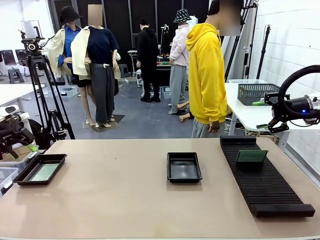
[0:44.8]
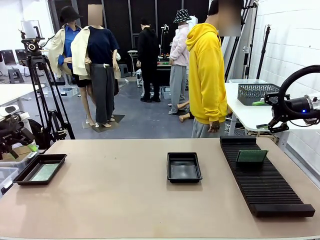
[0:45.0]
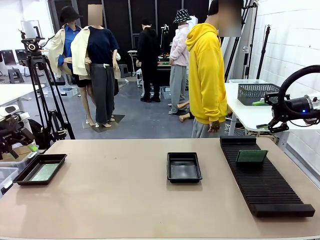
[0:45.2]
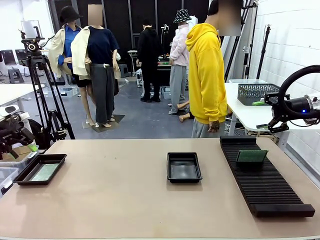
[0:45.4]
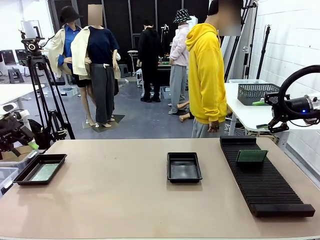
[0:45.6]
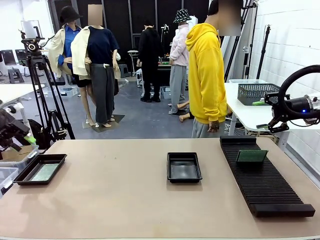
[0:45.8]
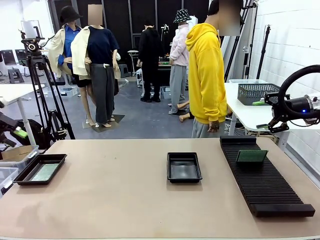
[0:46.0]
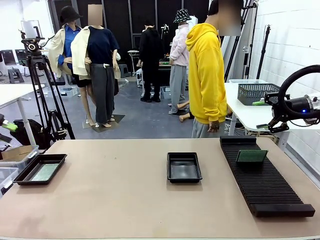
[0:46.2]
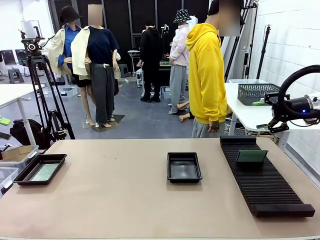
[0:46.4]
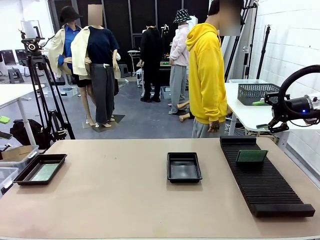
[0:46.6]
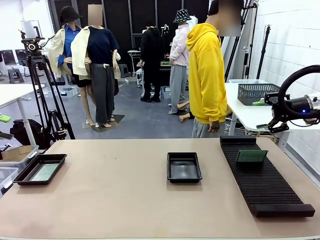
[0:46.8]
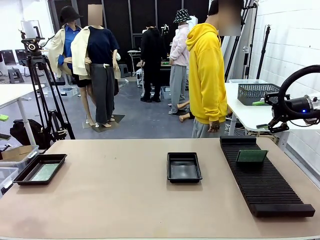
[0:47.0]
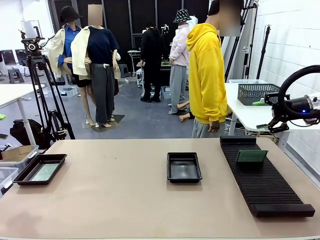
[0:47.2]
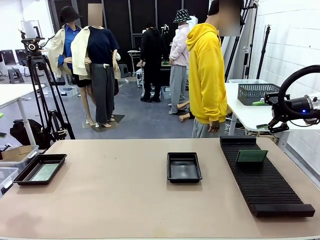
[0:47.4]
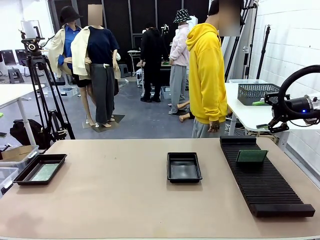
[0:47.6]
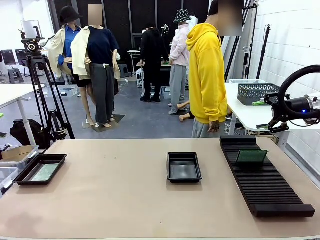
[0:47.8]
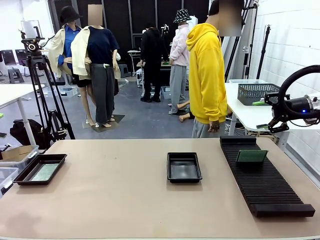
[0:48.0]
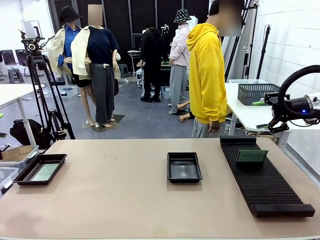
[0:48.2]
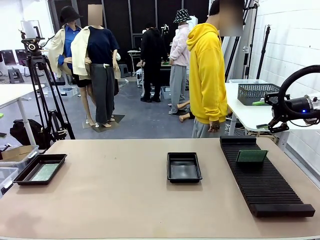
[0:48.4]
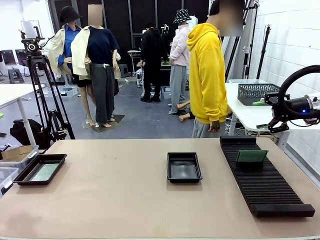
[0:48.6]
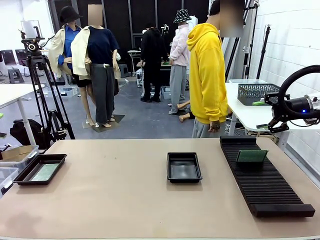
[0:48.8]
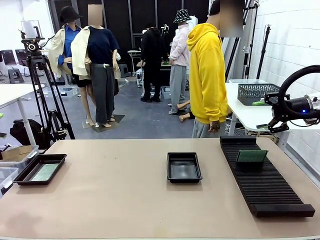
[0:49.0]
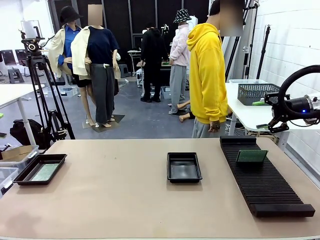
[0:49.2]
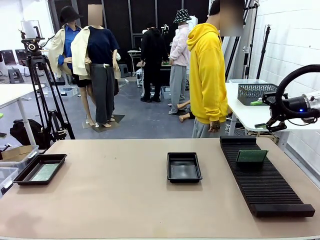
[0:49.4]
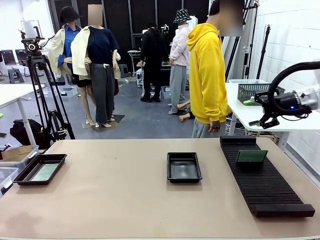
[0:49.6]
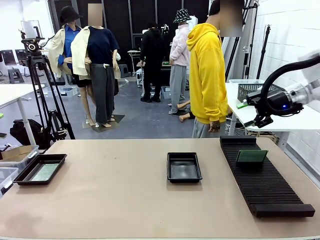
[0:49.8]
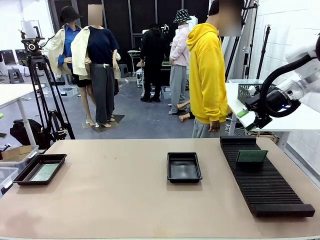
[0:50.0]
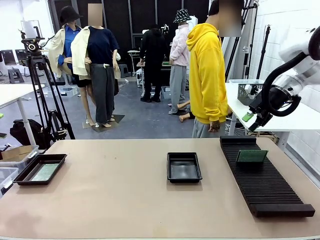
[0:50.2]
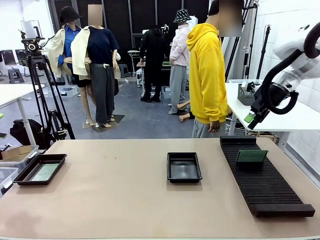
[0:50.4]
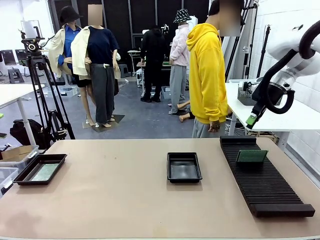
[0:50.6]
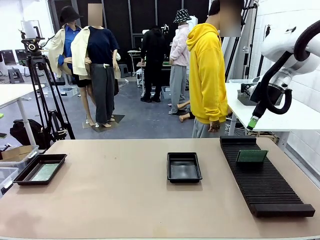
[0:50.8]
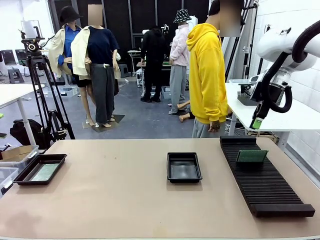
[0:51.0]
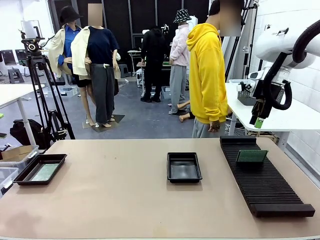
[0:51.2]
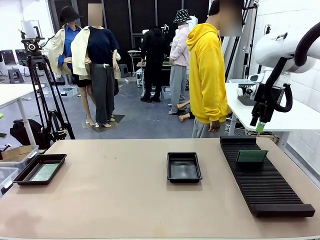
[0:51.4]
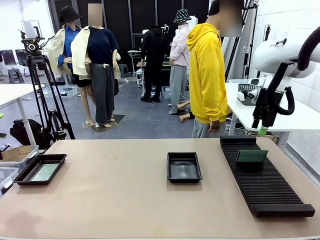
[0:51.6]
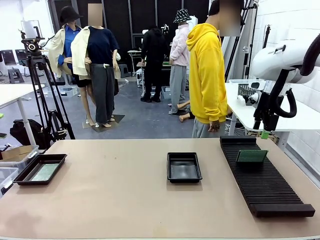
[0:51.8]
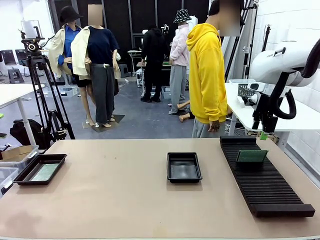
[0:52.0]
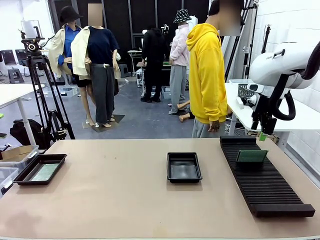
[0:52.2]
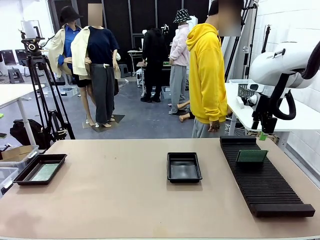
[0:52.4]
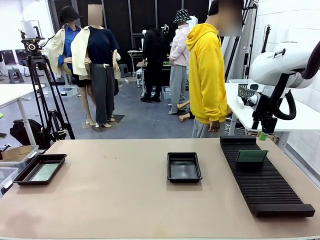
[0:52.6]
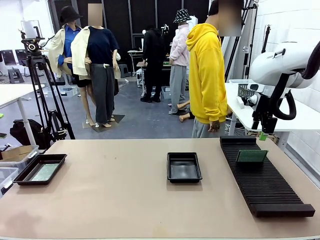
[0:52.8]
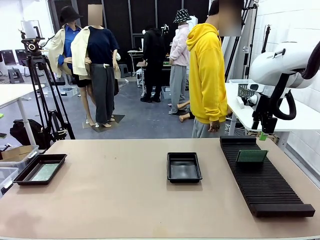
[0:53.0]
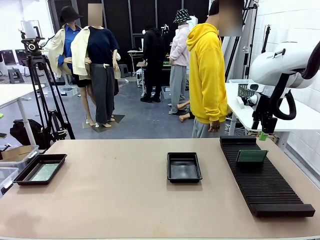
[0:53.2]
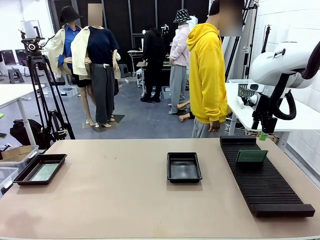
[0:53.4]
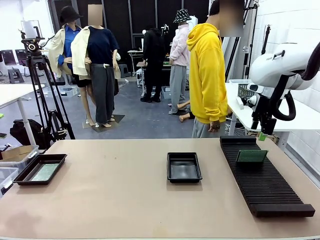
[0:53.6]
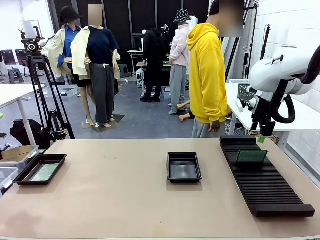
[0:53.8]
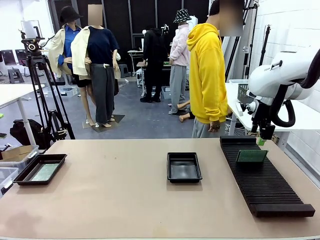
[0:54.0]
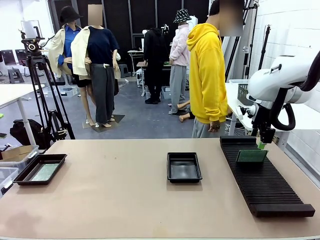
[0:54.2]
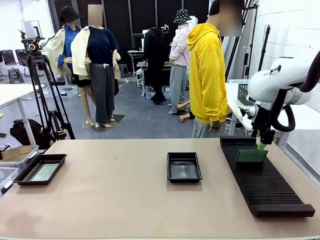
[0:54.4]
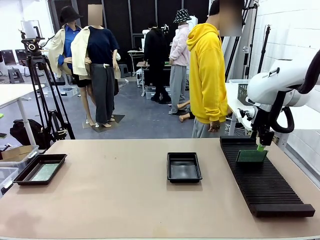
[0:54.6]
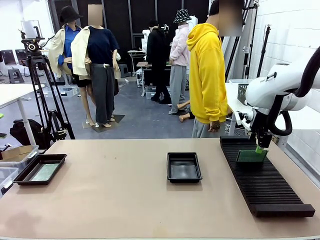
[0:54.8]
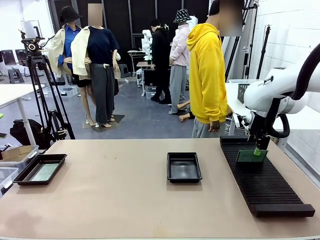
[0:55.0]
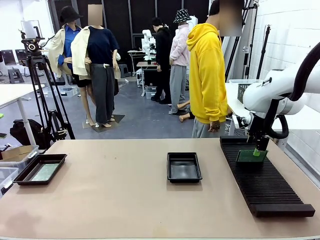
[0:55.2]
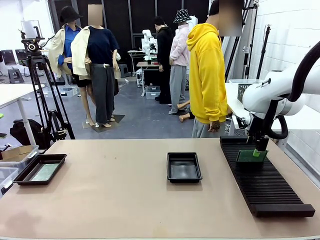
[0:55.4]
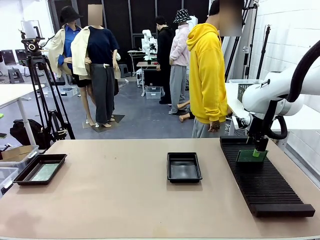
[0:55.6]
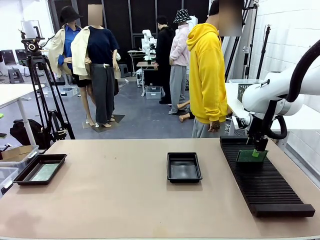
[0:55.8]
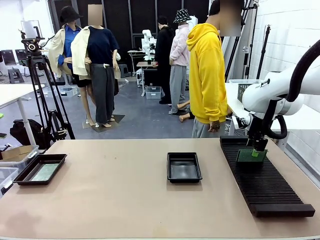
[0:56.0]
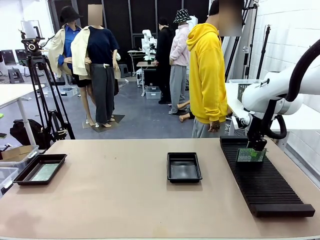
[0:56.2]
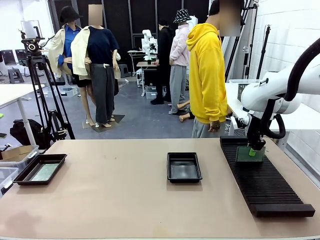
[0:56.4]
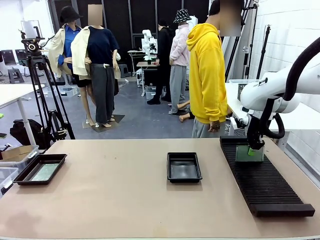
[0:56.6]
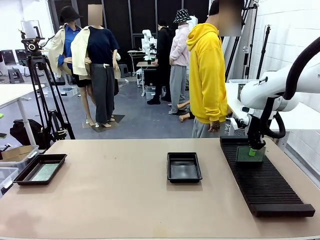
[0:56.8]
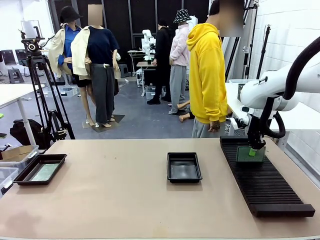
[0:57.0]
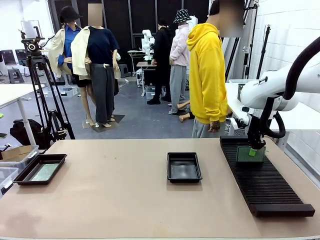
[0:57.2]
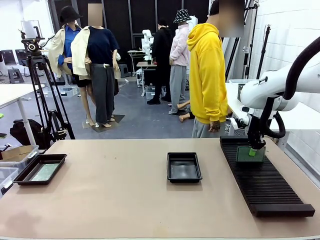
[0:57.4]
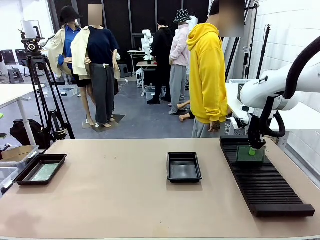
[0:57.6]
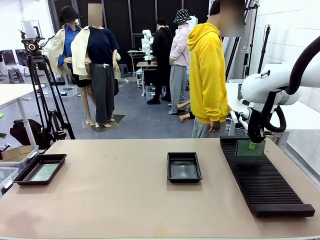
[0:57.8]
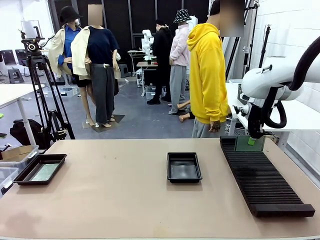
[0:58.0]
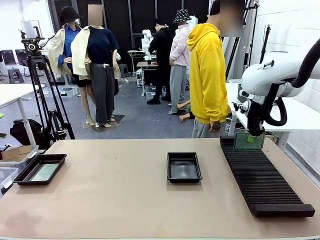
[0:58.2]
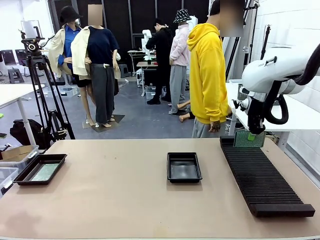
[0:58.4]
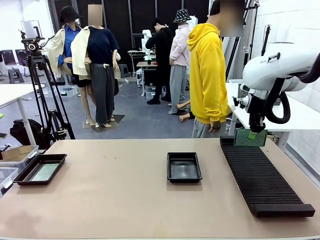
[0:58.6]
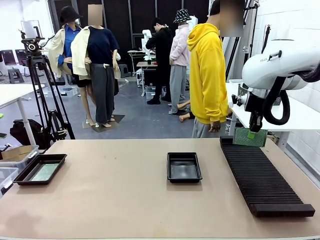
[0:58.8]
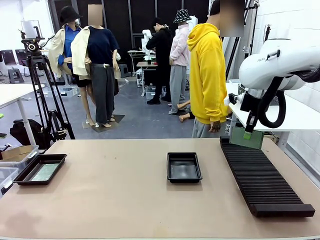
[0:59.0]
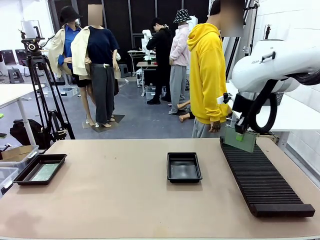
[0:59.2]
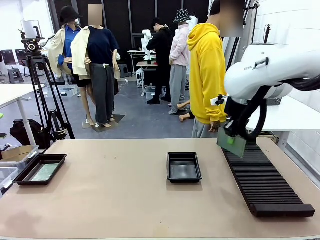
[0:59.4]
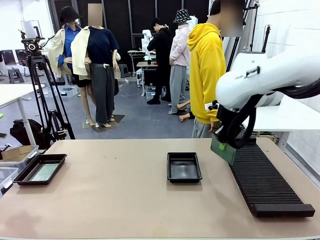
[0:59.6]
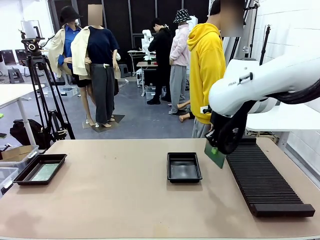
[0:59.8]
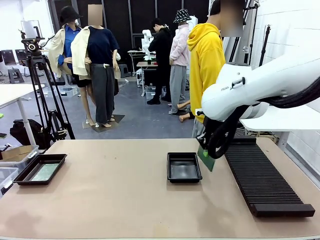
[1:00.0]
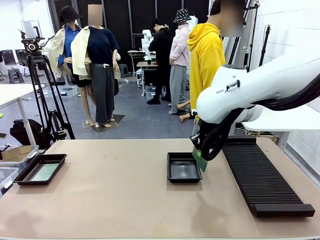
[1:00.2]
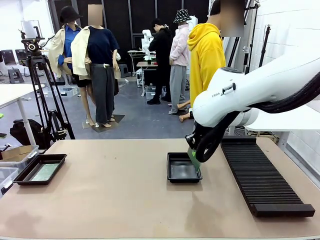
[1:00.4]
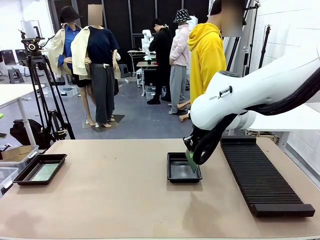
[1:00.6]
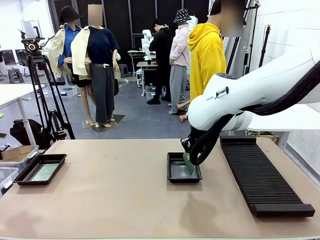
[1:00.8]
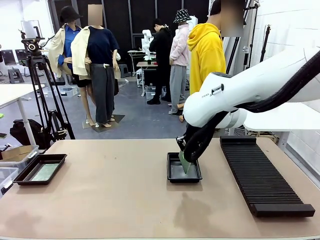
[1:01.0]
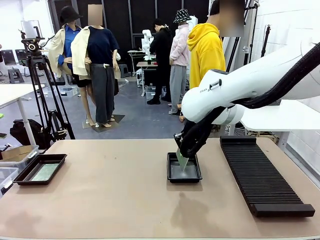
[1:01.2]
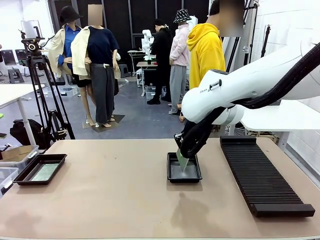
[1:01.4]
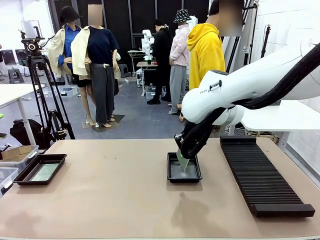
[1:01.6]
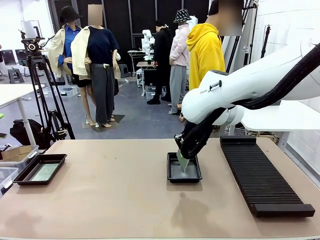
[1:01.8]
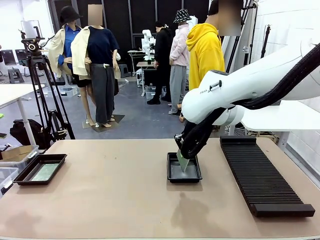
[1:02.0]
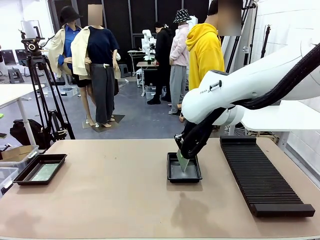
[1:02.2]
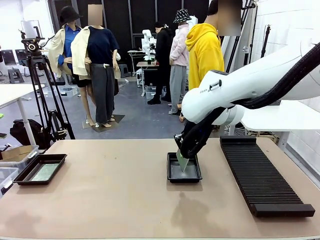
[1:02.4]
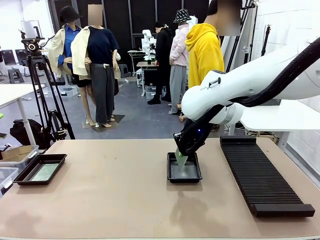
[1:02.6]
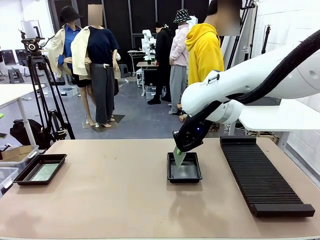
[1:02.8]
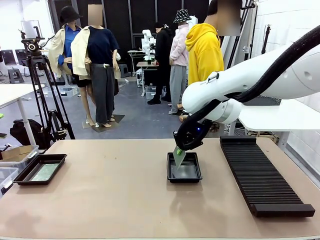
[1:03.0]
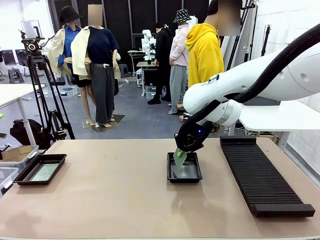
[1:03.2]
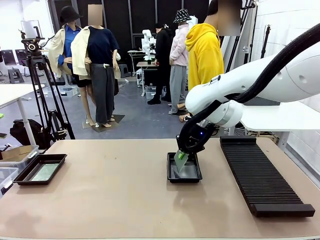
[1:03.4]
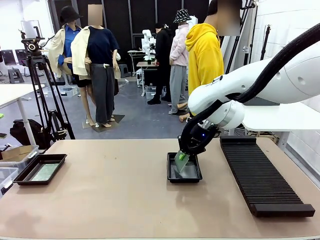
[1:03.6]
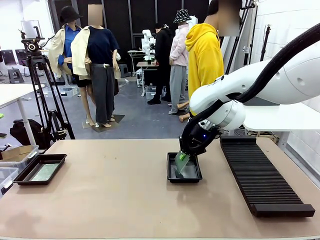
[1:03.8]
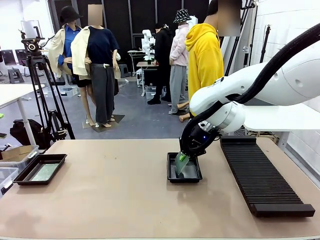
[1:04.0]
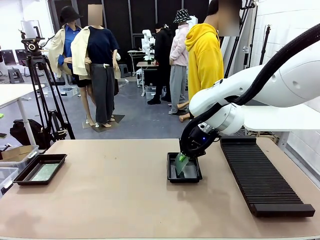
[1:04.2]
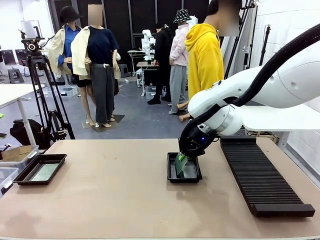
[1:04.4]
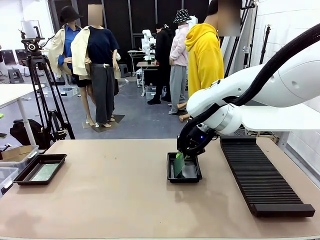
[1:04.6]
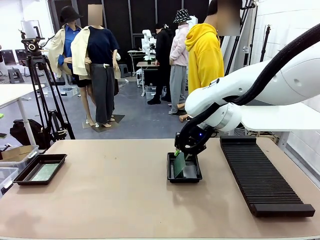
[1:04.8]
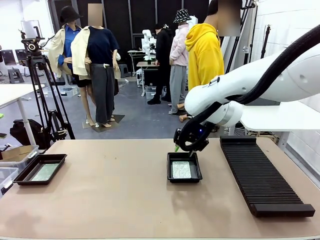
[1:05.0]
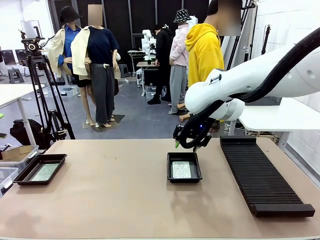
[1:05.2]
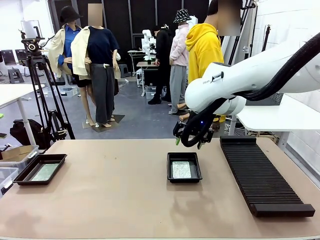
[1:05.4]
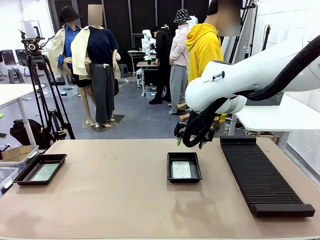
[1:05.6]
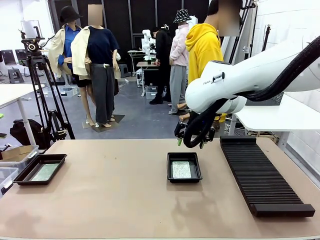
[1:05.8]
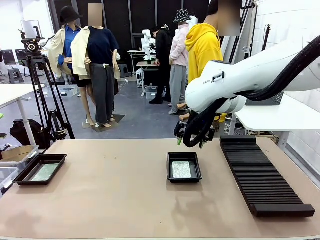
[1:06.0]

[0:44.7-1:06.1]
Task: Inspect and transfer BCBs to ESD trays.
Robot: Pick up the Blank PCB from the PCB Rack and place it in the right ESD tray.
